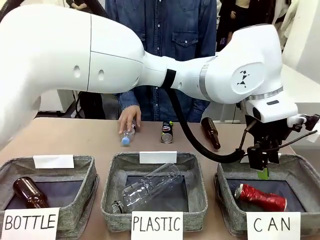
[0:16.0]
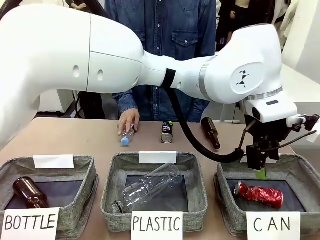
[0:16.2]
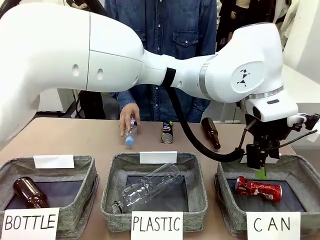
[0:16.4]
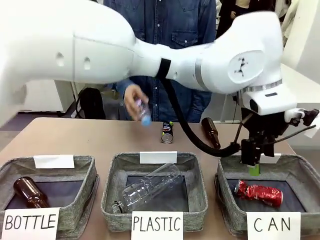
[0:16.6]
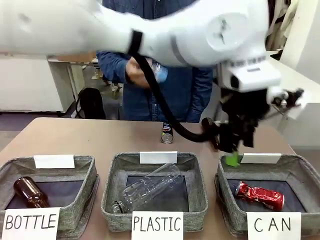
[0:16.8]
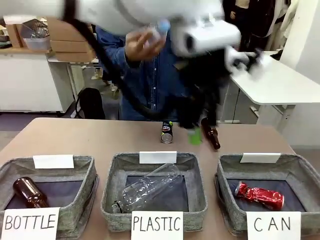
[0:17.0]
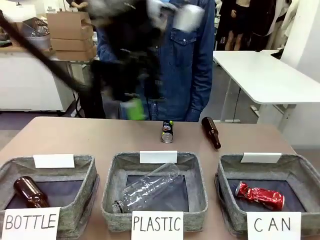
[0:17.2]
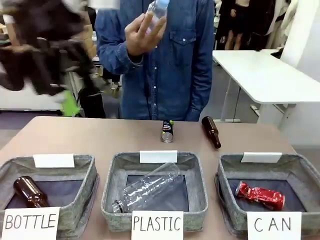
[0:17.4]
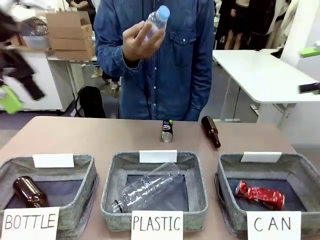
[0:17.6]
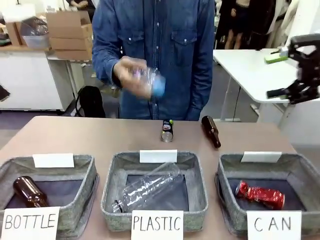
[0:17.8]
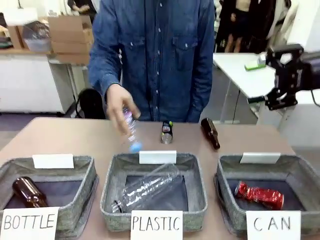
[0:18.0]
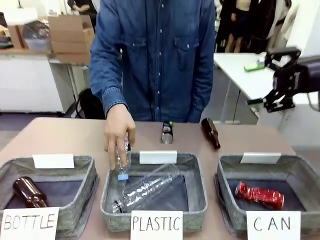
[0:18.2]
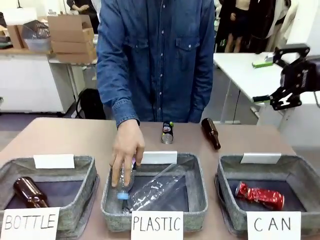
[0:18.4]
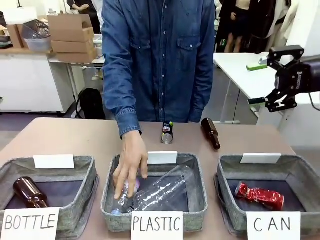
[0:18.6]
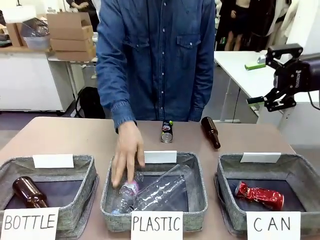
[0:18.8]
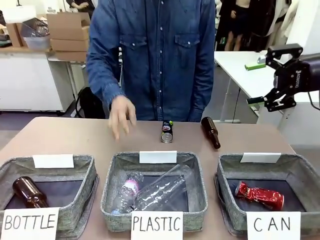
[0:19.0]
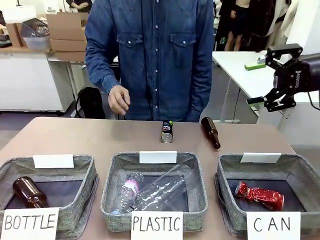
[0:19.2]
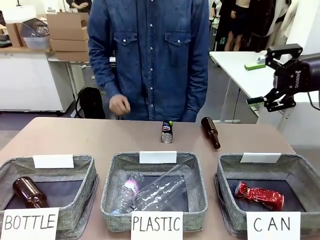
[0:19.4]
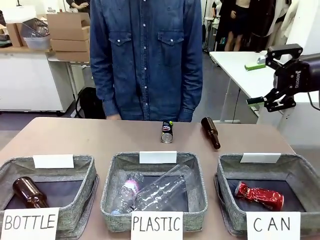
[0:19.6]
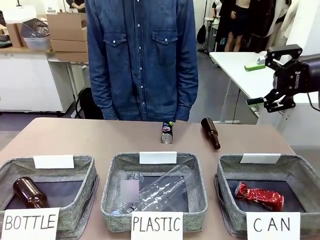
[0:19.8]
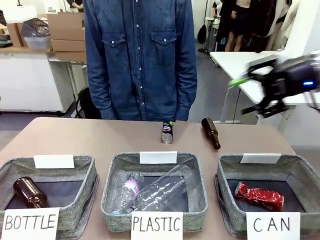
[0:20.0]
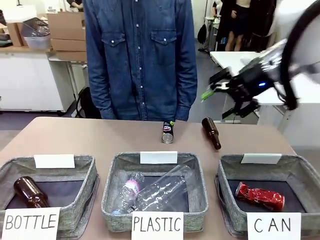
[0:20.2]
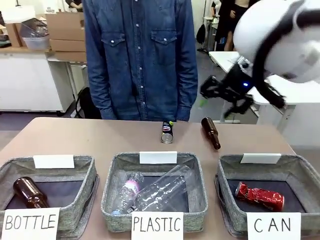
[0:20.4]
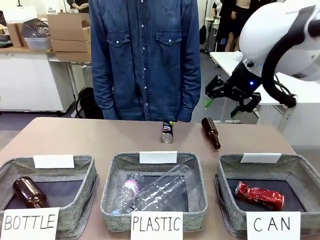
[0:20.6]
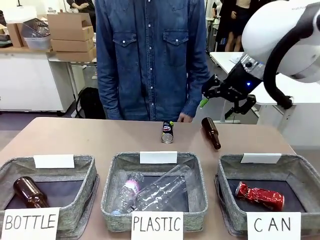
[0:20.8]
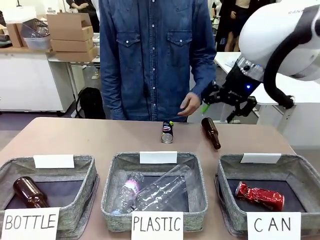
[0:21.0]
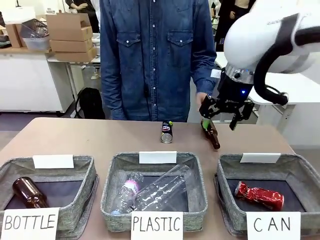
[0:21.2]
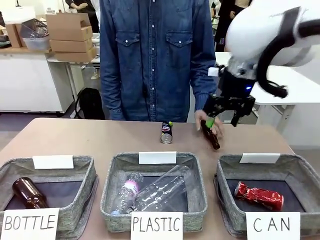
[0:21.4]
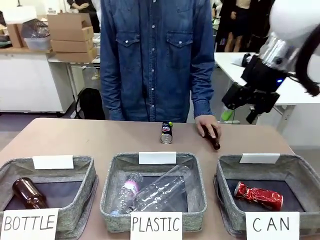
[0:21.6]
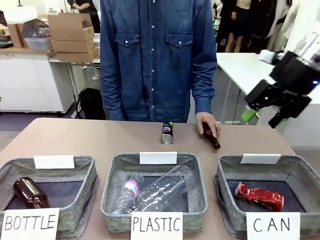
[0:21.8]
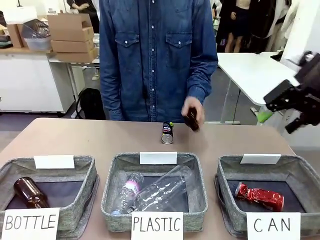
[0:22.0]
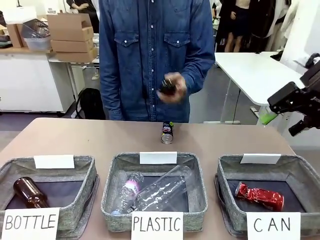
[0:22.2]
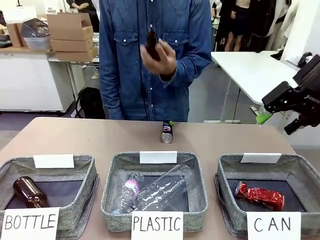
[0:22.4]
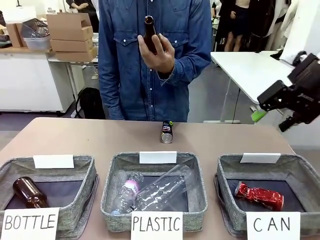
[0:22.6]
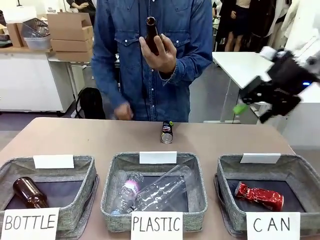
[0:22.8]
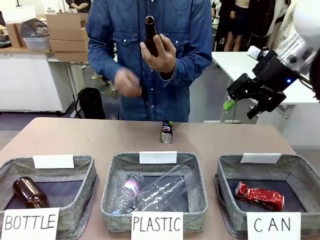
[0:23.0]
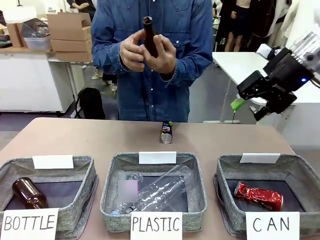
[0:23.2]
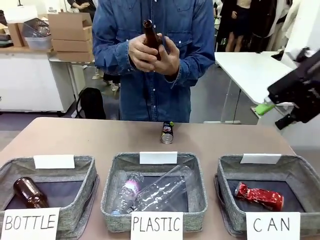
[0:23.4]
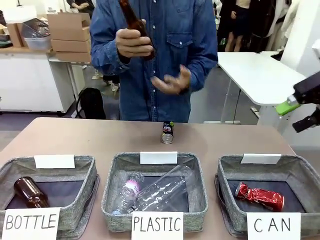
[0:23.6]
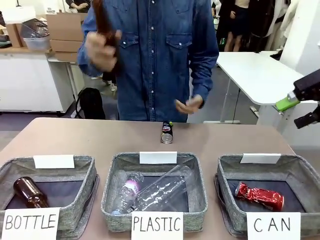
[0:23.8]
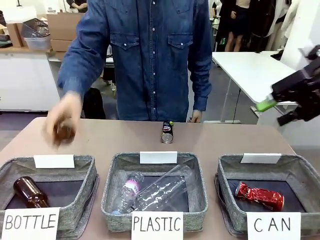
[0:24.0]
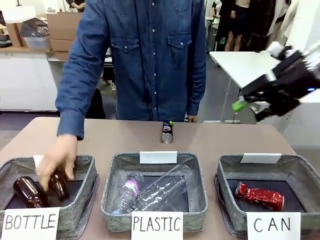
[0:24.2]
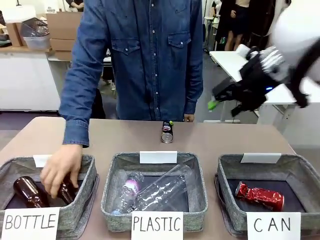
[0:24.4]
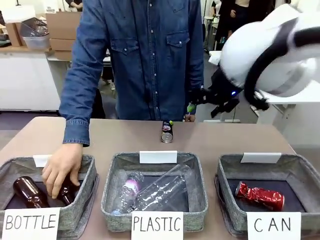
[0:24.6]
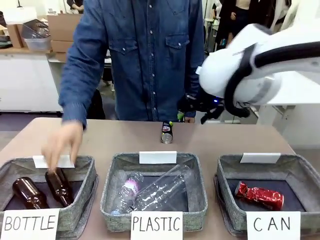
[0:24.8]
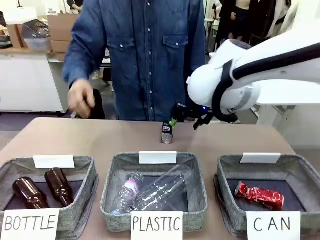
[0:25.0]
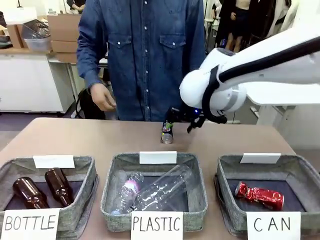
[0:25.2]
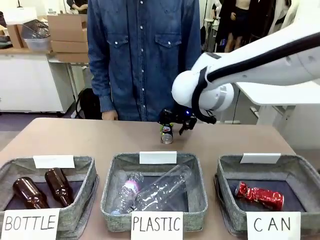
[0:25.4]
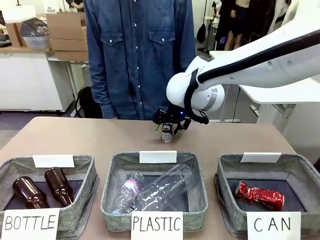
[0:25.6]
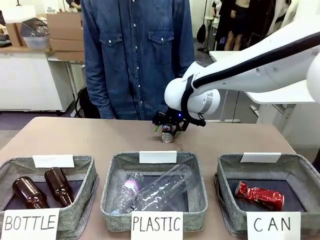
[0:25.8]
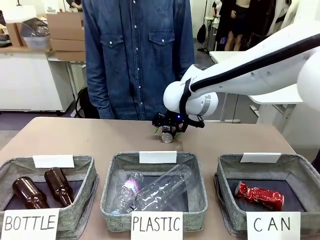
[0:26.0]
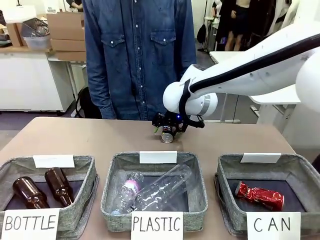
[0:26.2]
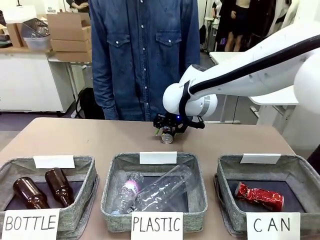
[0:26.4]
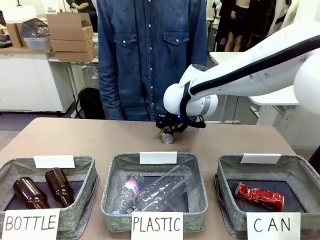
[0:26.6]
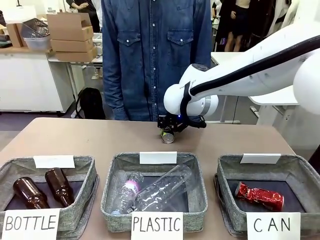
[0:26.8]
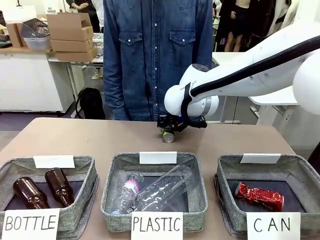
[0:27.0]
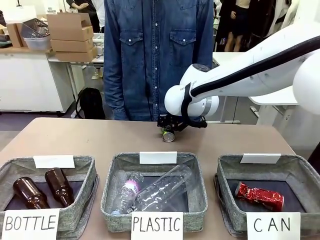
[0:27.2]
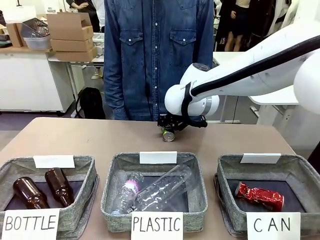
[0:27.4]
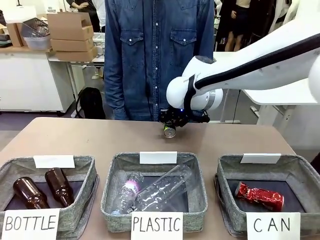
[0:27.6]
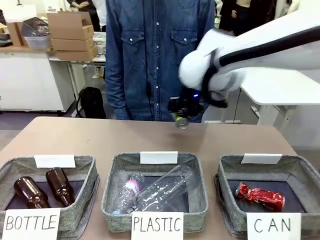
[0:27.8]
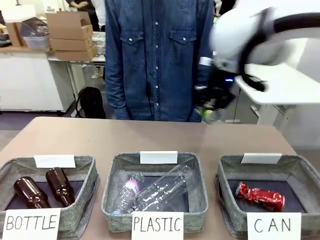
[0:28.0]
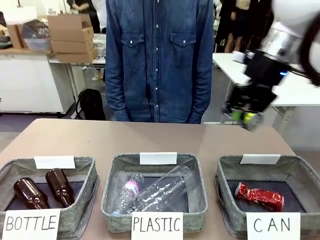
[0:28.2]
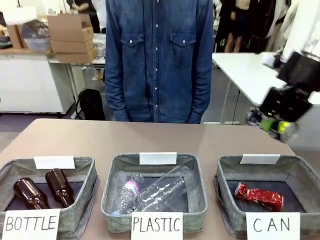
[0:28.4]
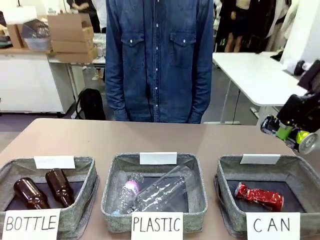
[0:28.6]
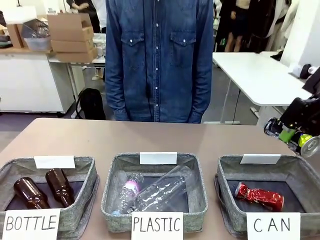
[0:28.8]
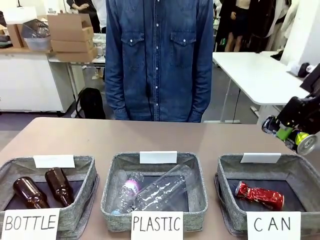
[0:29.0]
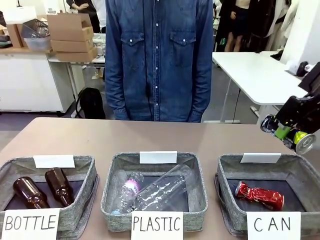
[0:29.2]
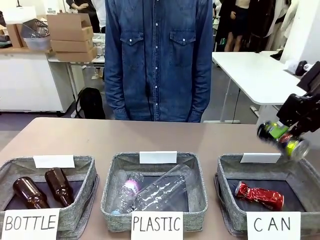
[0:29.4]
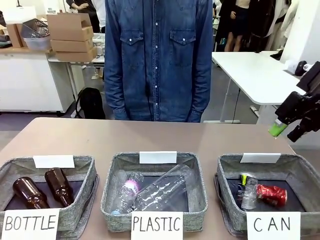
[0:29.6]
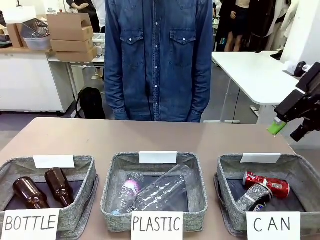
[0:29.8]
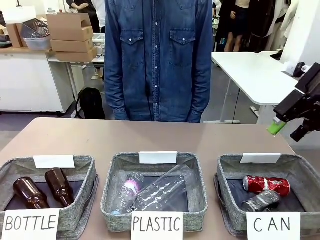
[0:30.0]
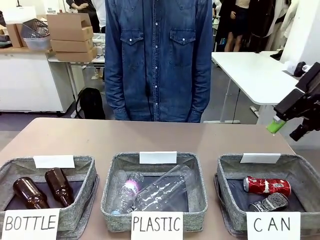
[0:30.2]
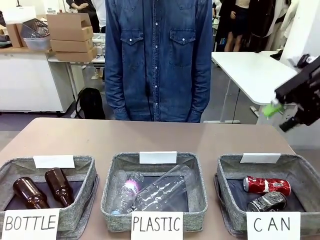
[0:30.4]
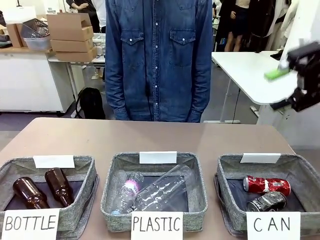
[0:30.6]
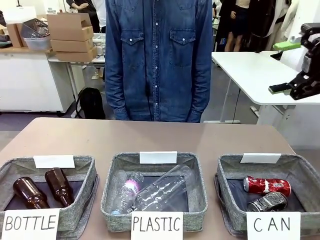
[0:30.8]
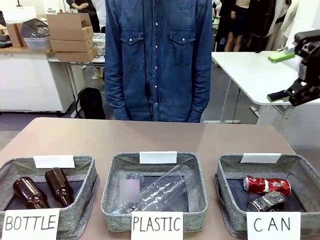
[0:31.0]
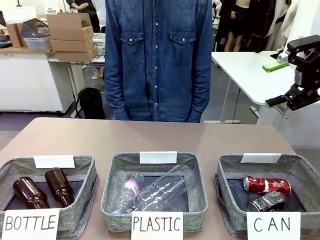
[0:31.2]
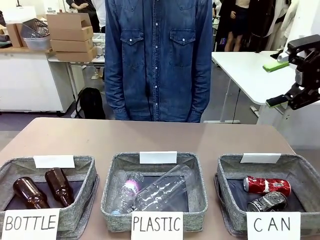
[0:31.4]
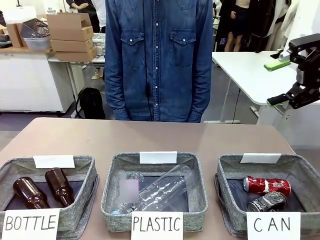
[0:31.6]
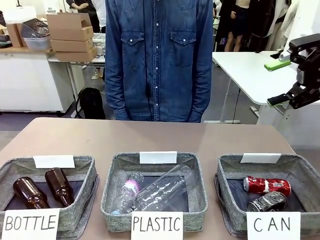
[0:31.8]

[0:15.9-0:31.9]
Task: Sort the can waste into the basket.
Robot: Pick up the can waste from the table and place it in the right Fabric basket.
Person: The human picks up one piece of trash that is not a can and places the trash into the appropriate organizing basket.
